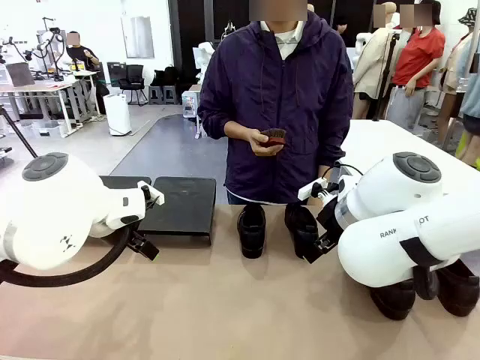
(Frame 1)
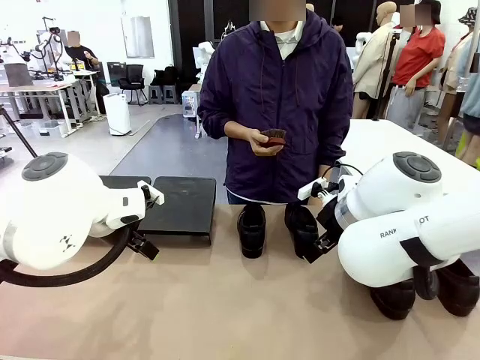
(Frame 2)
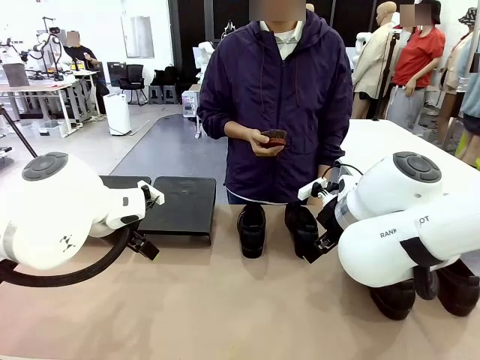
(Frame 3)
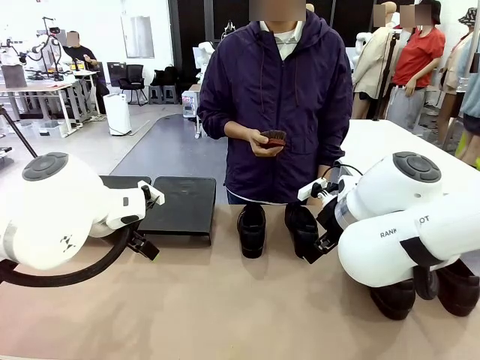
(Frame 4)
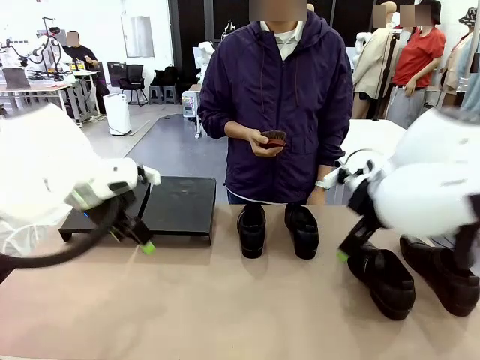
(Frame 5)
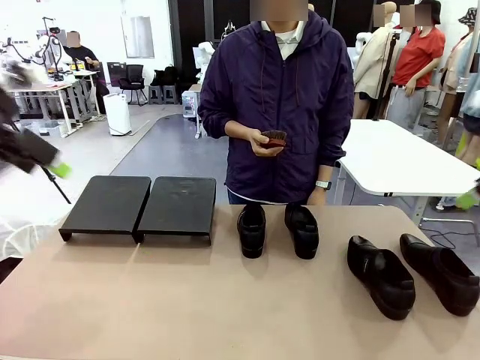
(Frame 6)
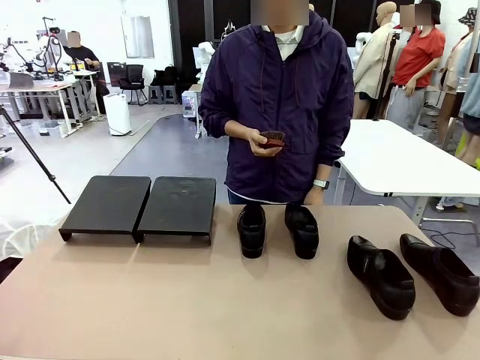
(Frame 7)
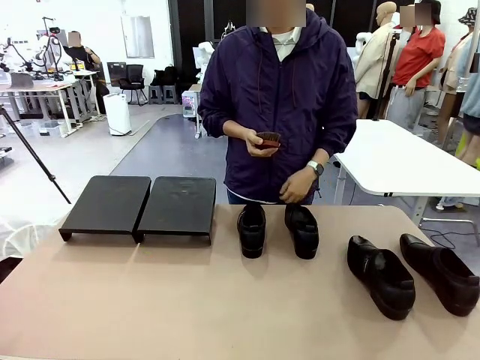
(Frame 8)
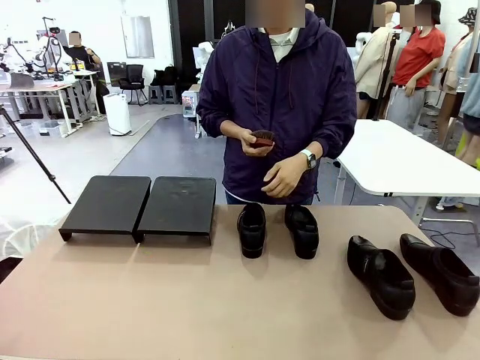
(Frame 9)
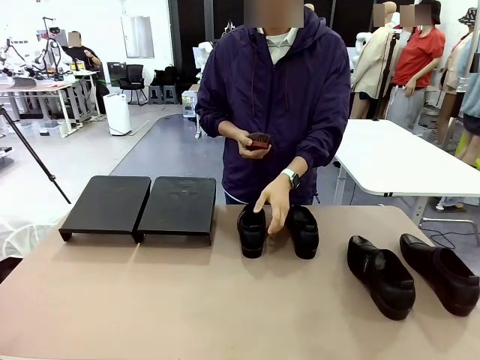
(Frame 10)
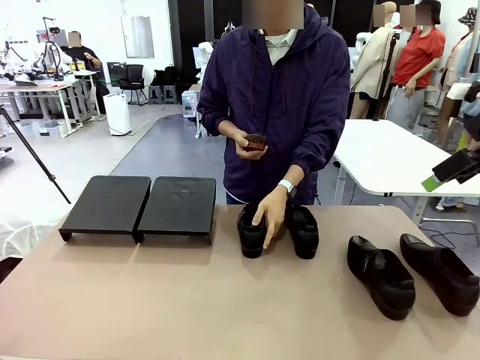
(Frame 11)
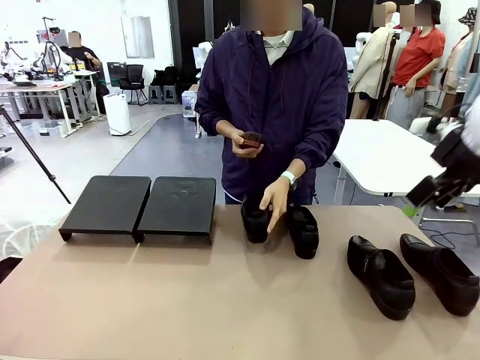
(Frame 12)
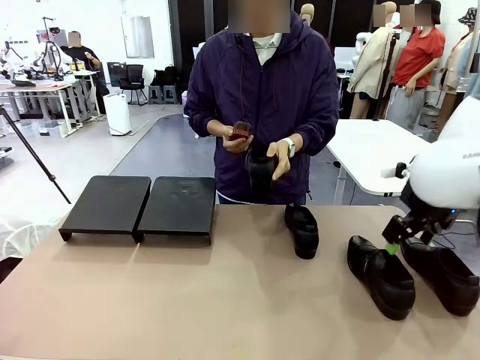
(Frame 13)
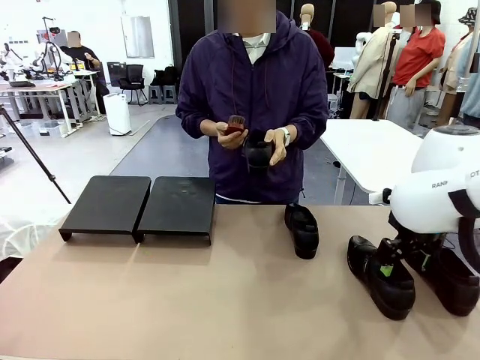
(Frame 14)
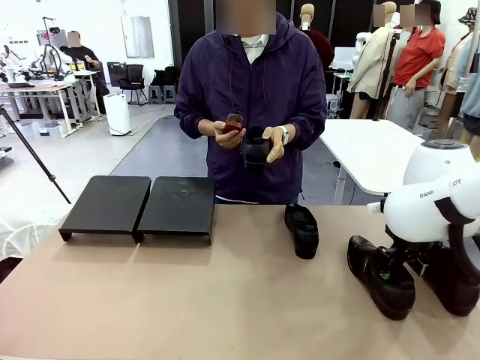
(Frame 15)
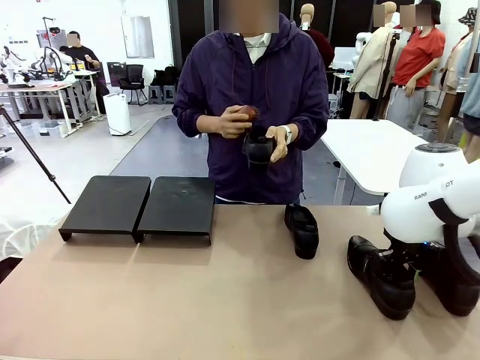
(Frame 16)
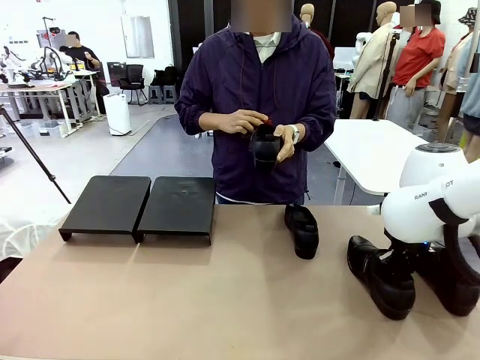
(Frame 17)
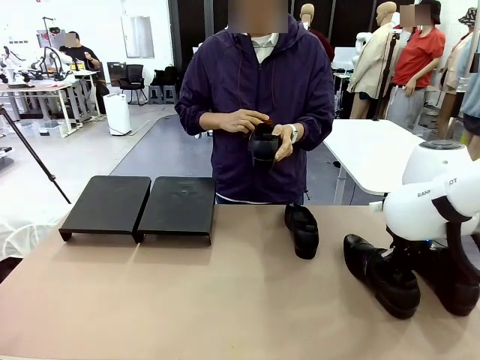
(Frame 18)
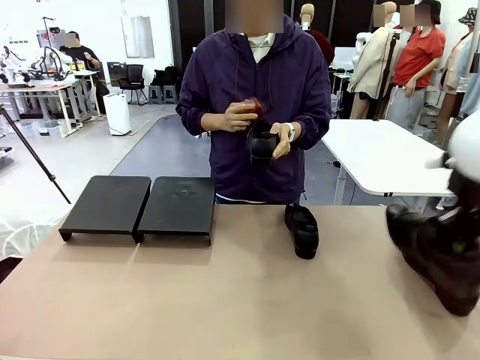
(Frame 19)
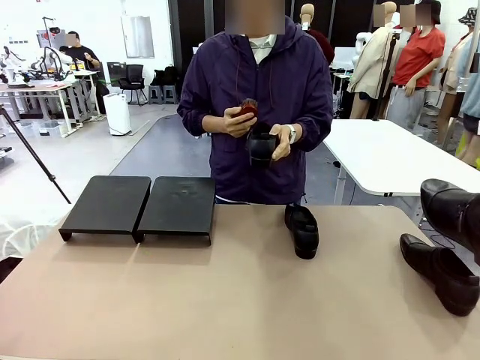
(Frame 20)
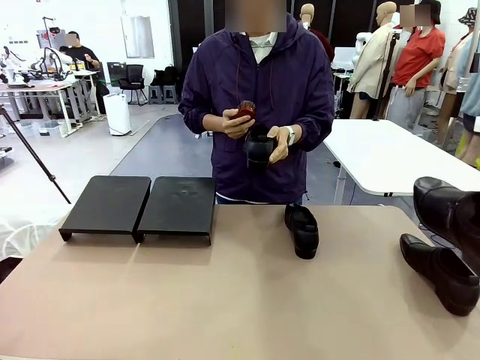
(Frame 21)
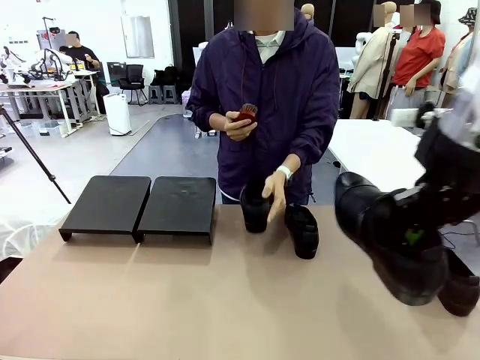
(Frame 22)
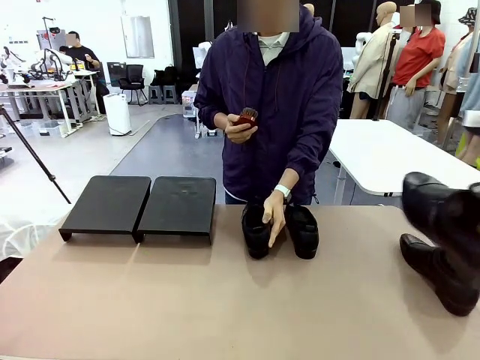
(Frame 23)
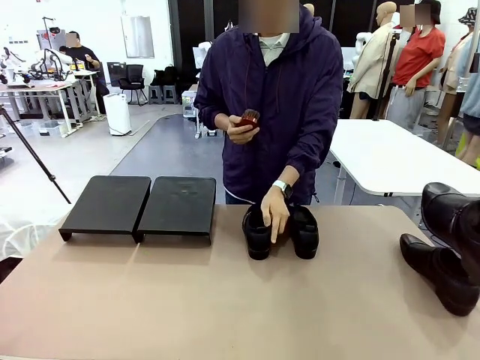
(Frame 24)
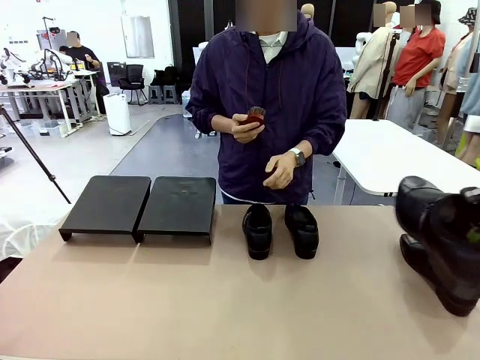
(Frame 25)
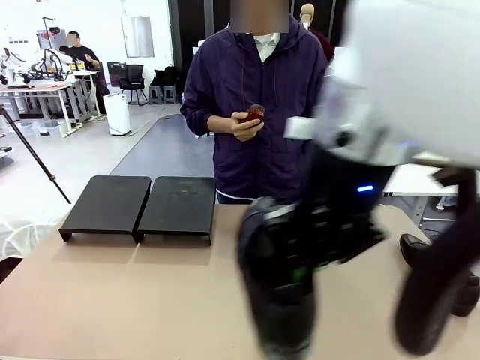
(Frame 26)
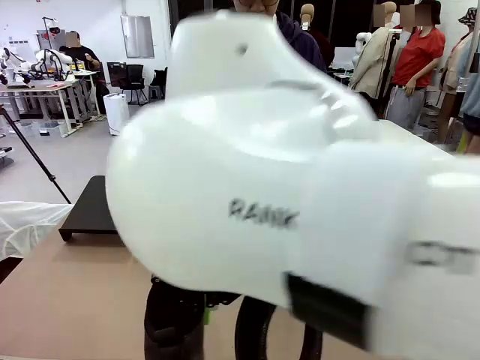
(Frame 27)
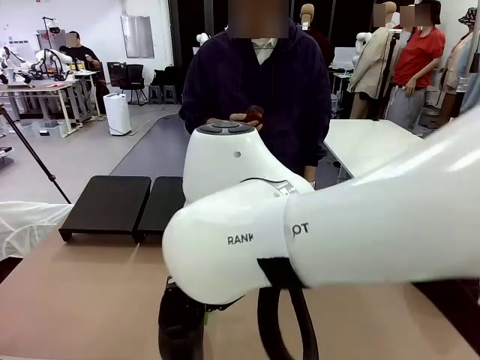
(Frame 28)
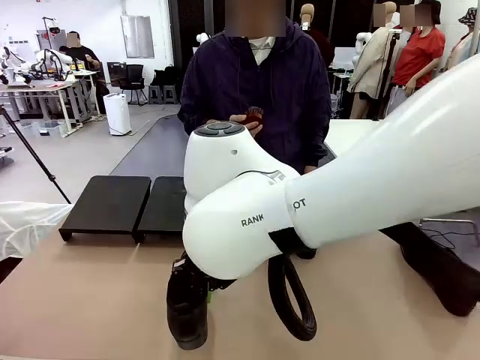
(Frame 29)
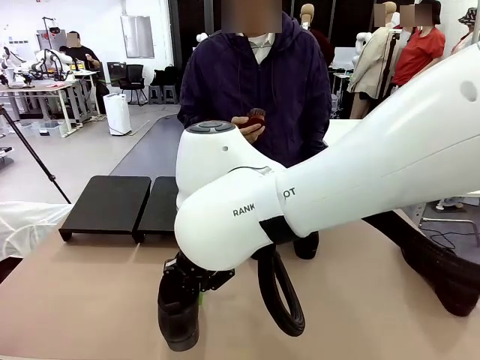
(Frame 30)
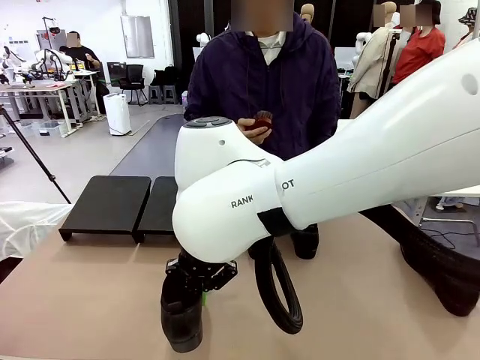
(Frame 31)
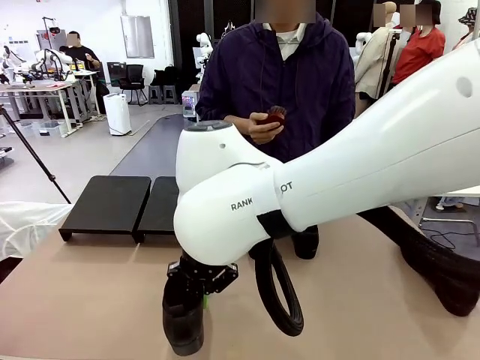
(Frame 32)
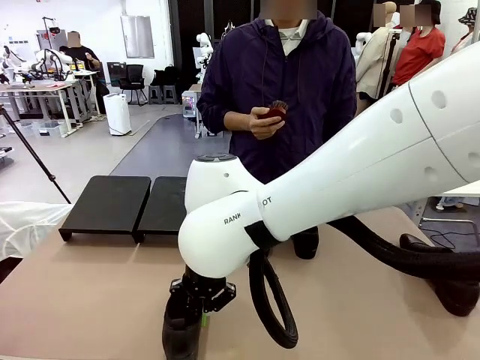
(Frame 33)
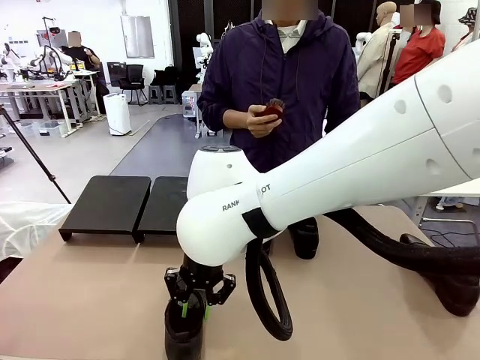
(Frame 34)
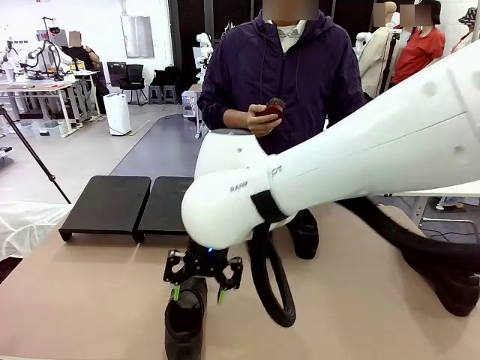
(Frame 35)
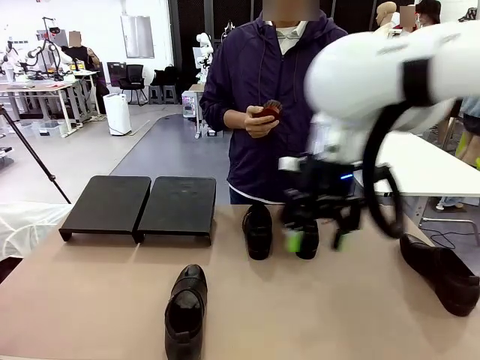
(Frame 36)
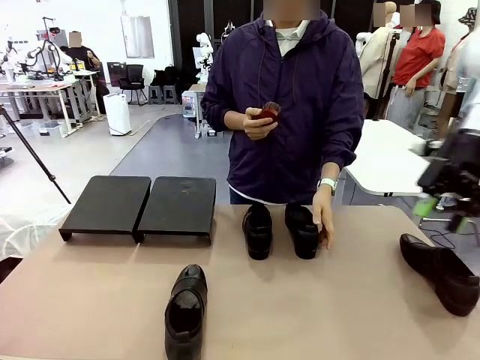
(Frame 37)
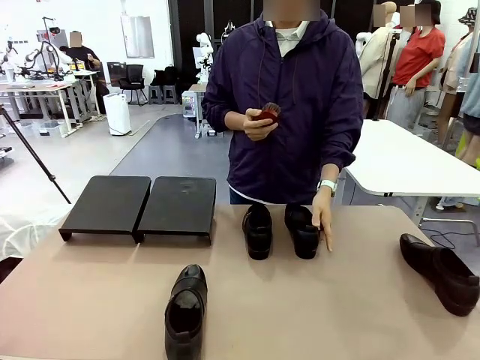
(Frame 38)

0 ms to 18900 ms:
Task: Organize the shoes by placing them on the stand.
Robot: Pick up one Shoe and place it in the middle of the table.
Person: Pick one Shoe on Robot's table. Clean the Shoe with the Shoe Brush. Place the Shoe on left side of the Robot's table. Pick one Shoe on Robot's table.
